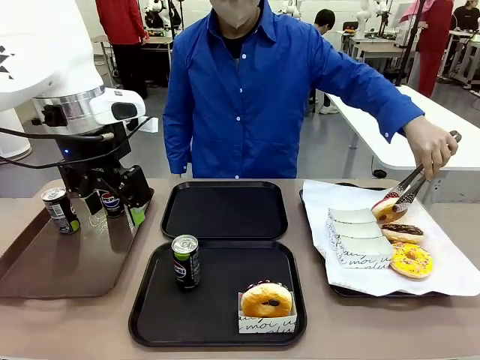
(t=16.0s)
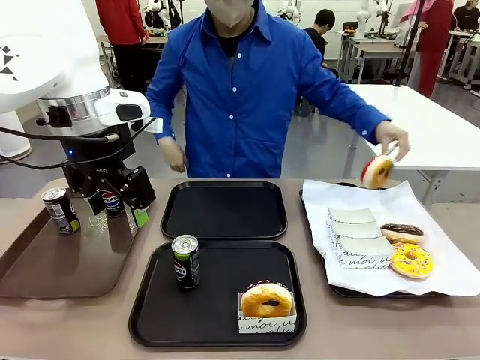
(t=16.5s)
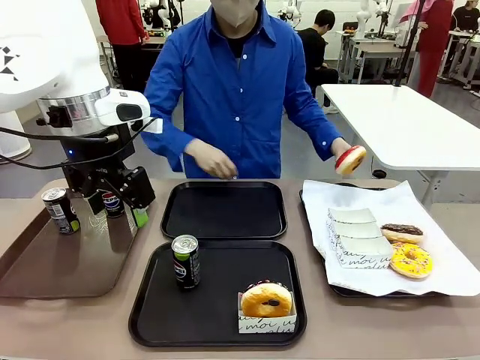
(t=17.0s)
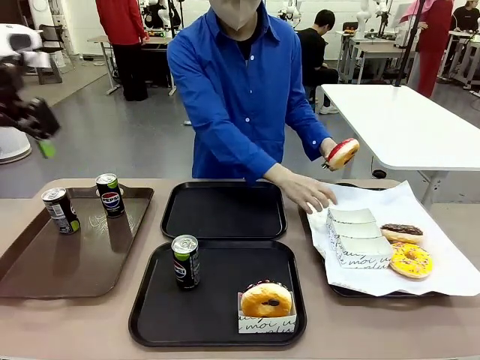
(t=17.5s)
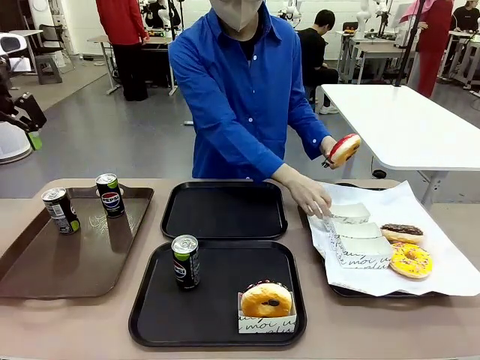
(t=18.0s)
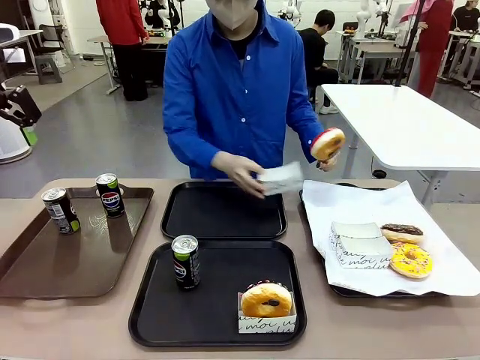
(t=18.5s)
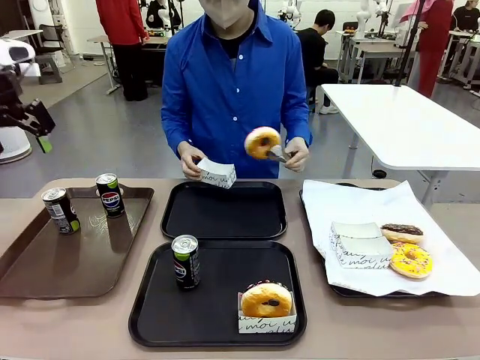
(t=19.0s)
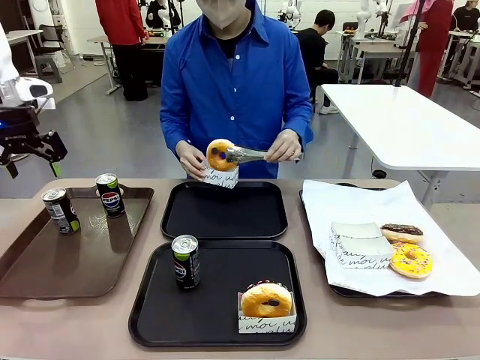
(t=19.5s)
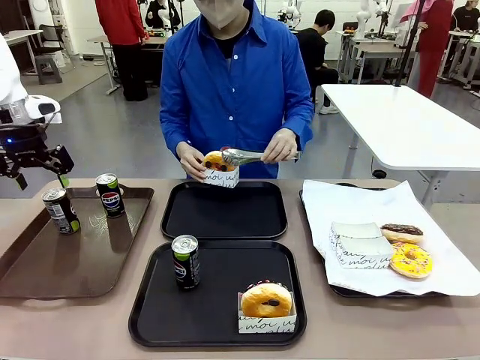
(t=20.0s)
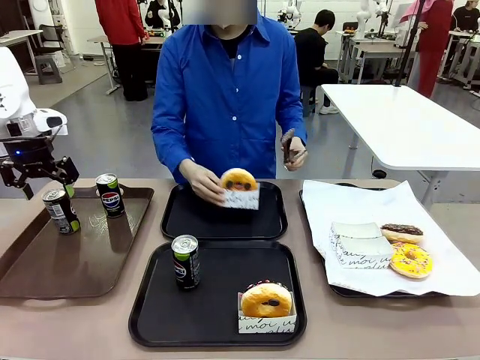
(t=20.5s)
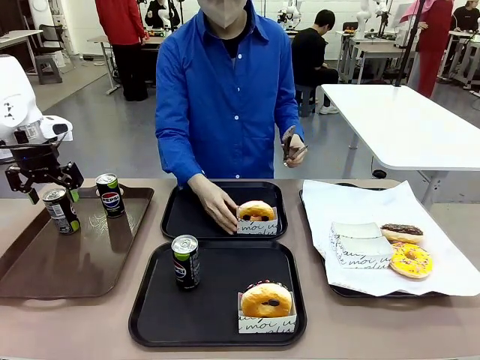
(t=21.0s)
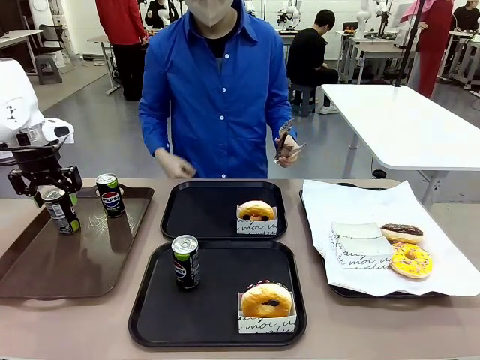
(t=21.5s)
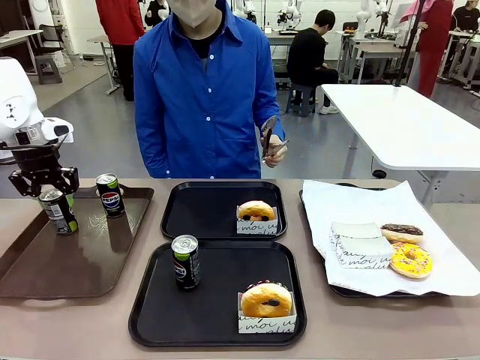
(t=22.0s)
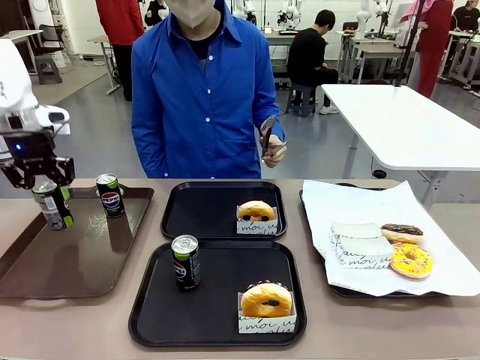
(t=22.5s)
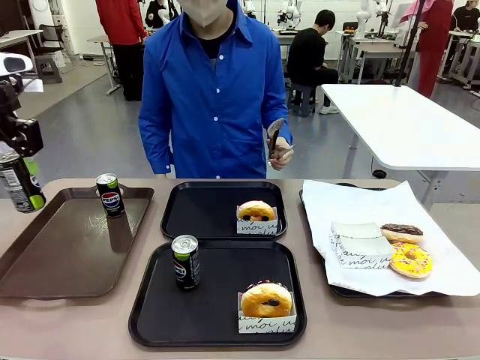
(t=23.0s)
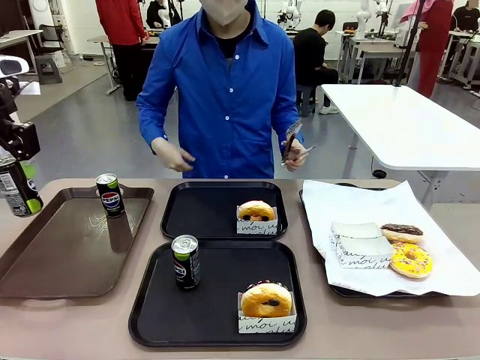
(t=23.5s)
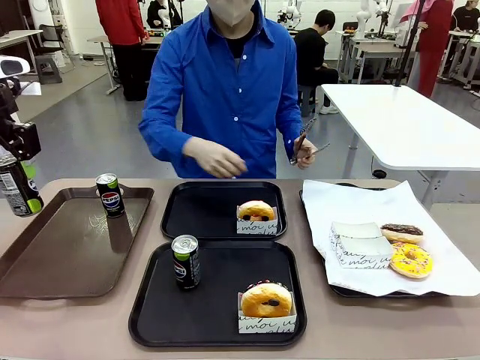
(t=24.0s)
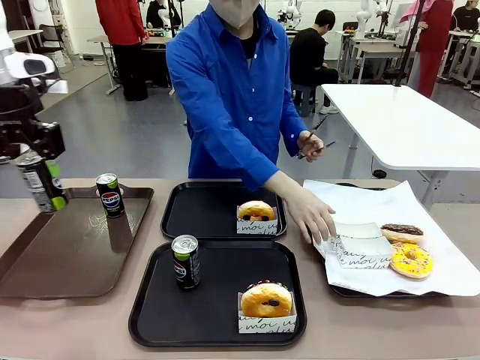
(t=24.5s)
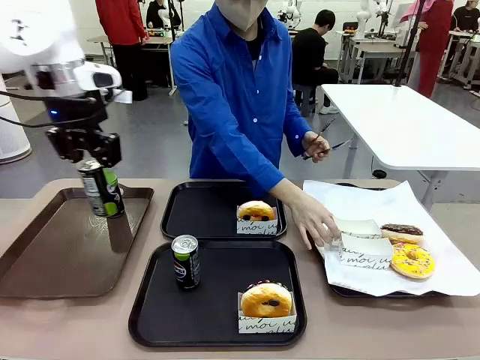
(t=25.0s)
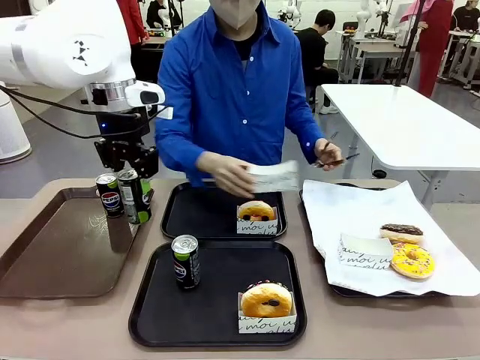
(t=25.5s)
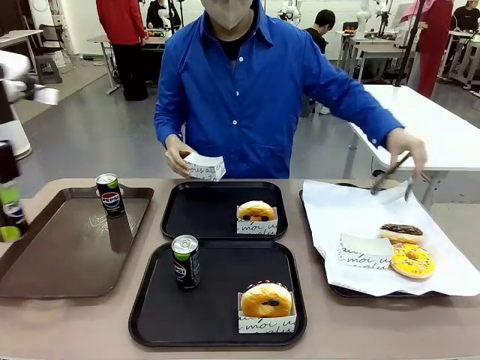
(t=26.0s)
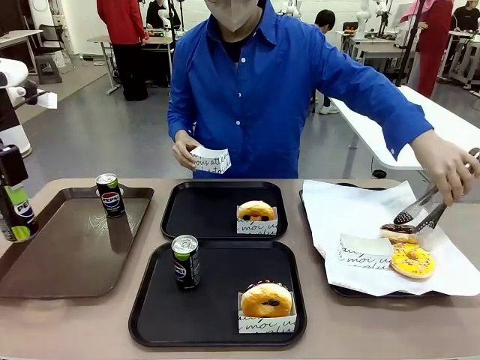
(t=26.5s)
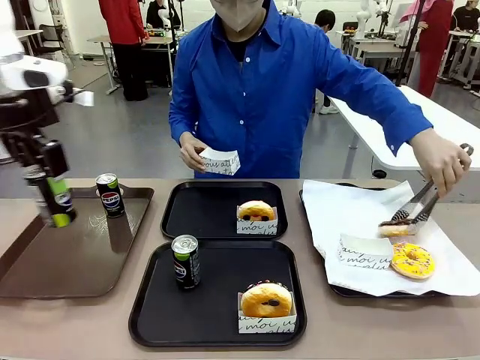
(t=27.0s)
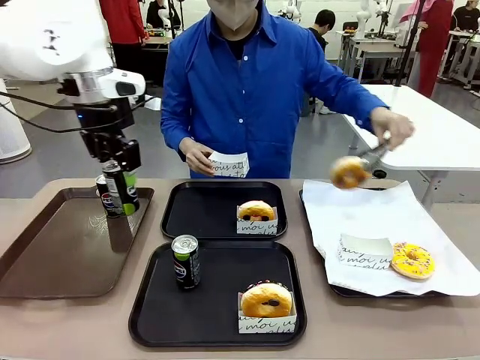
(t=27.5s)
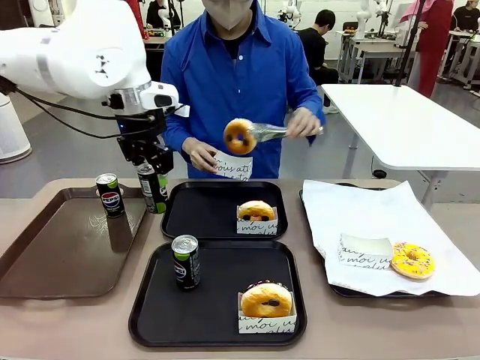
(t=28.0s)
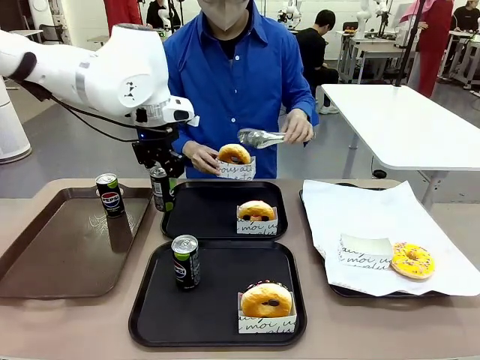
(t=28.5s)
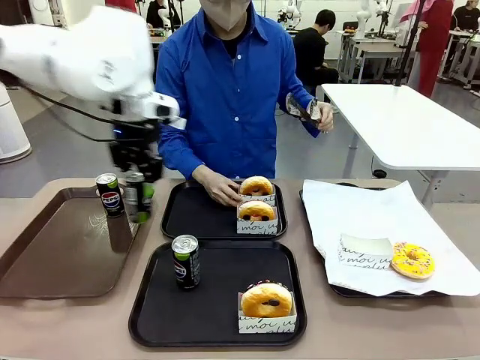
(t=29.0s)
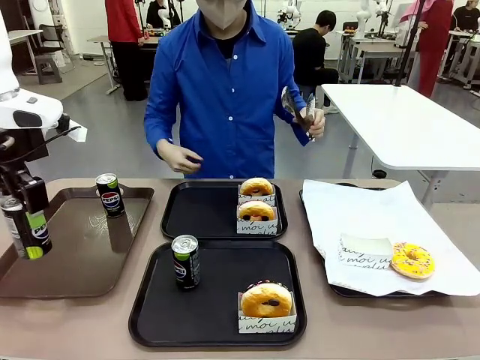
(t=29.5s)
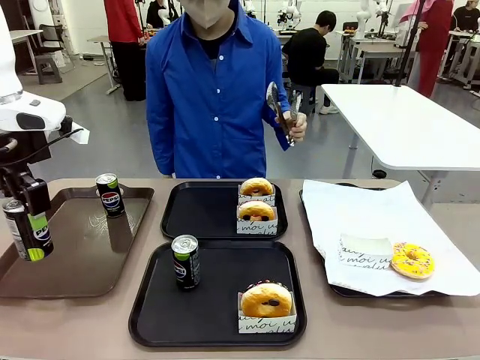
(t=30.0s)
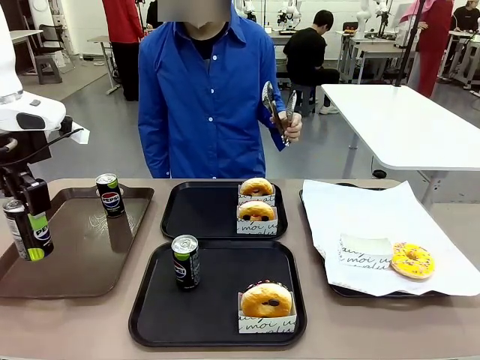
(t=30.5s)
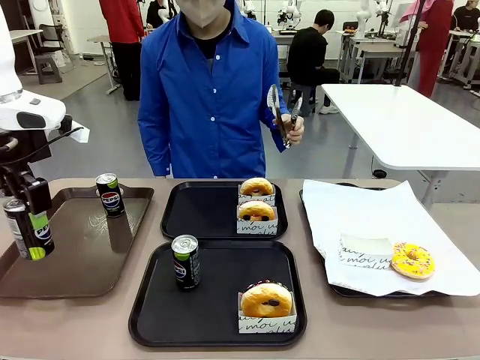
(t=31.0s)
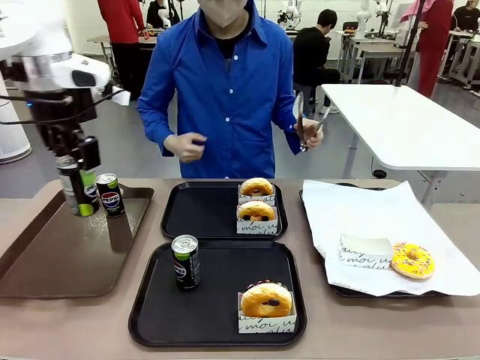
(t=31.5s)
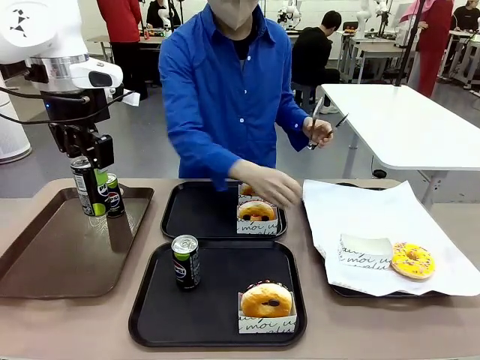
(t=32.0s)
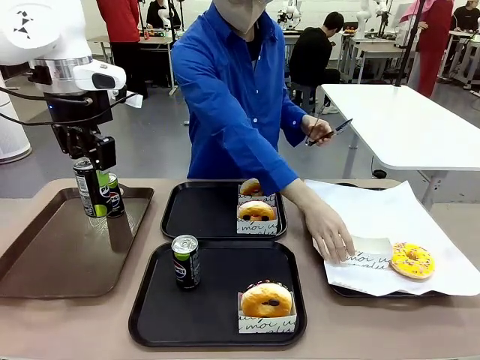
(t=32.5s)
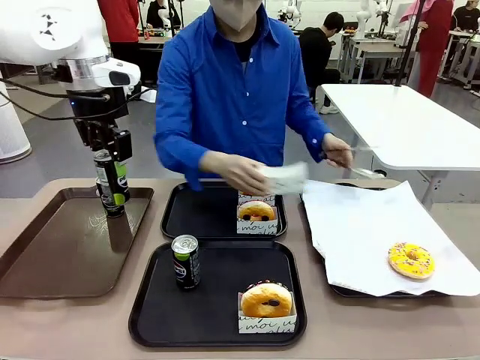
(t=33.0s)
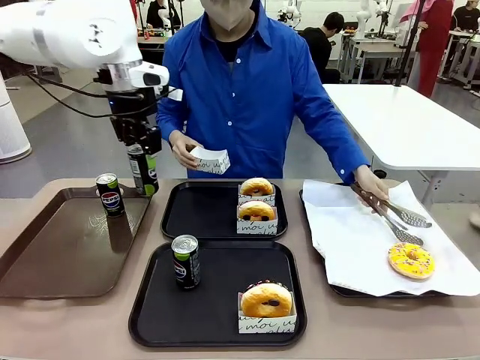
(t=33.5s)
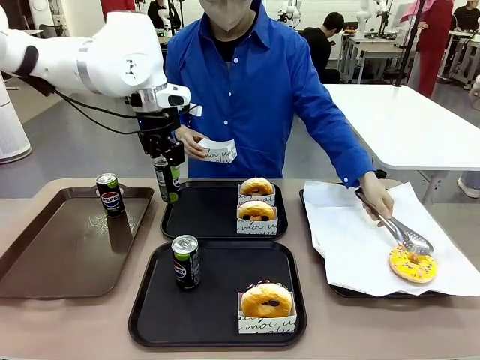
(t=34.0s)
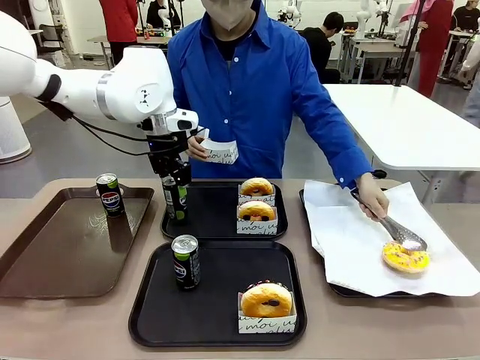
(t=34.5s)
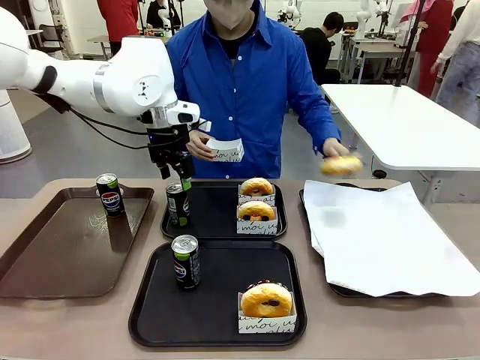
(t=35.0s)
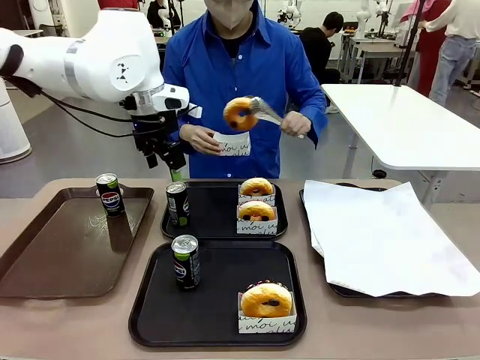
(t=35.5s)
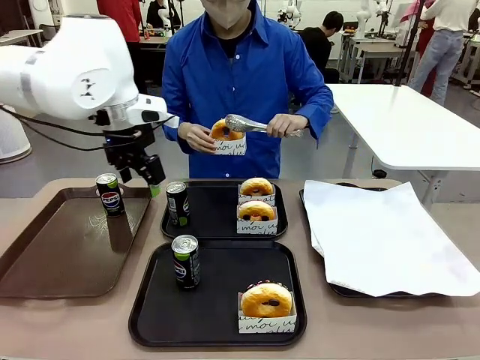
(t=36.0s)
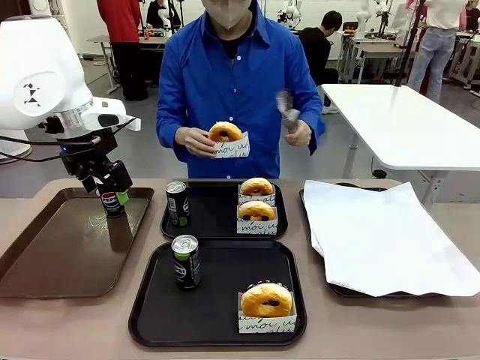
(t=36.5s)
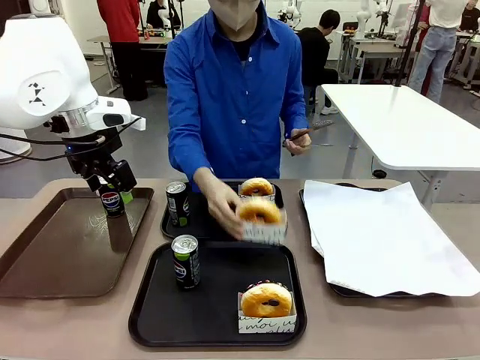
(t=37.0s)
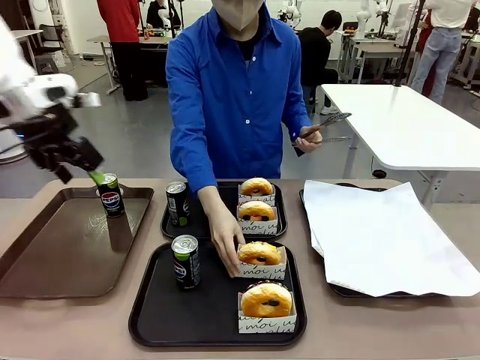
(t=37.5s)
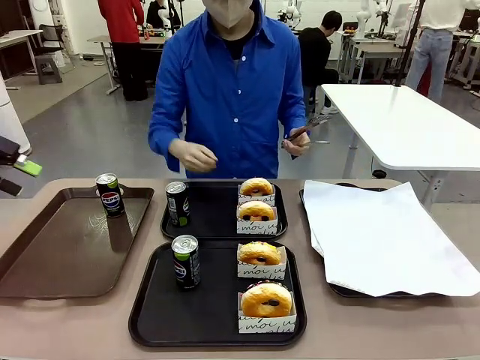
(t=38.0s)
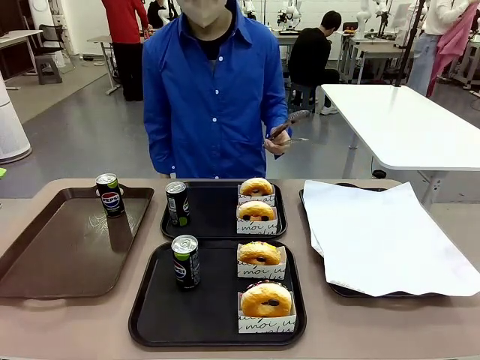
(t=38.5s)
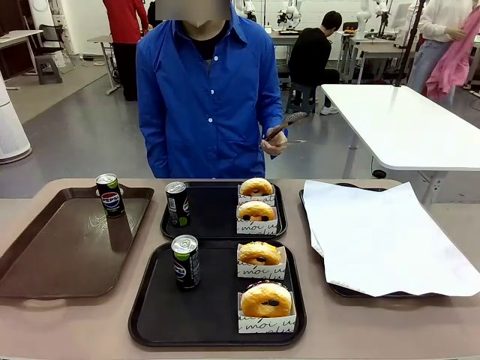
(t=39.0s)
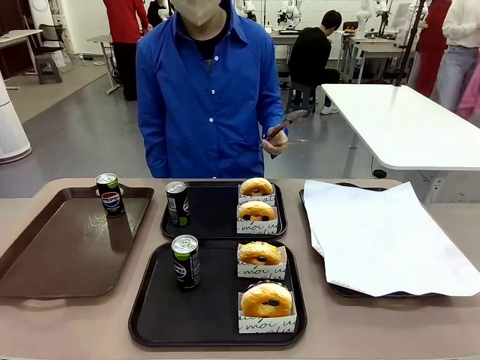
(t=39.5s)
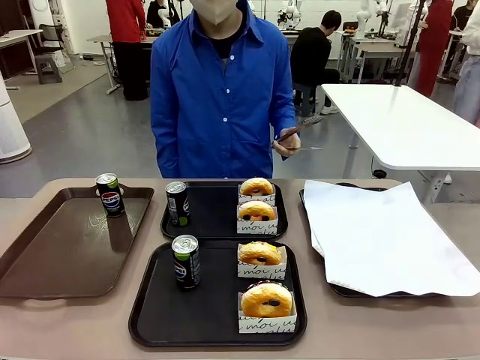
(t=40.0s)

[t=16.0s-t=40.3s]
Task: Set up donuts and drinks on trays.
Robot: Pick up one Pepsi coke from the Handle tray and place it on the Flat Tray without a Pepsi coke.
Person: Pick up one donut with tongs, place it in the donut tray, and then place the donut tray on the flat tray.
